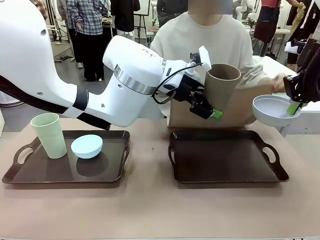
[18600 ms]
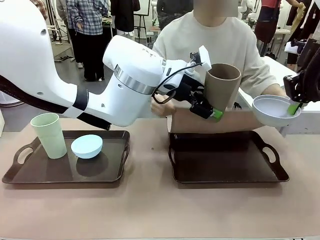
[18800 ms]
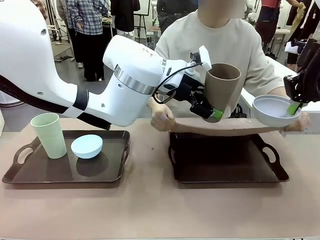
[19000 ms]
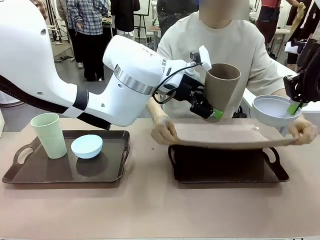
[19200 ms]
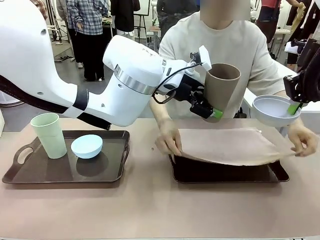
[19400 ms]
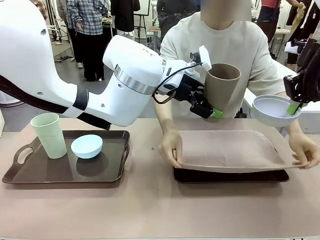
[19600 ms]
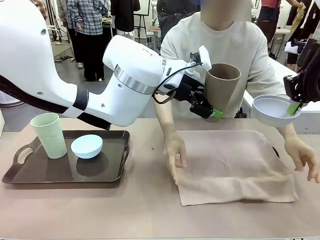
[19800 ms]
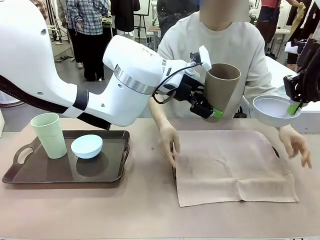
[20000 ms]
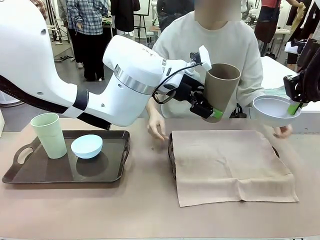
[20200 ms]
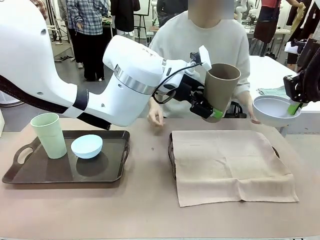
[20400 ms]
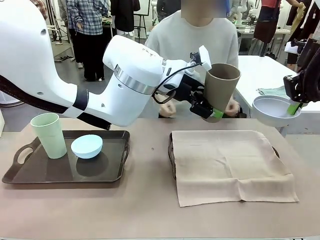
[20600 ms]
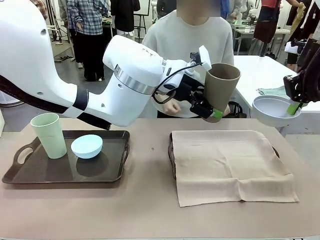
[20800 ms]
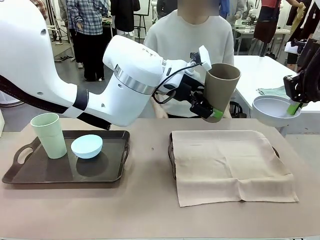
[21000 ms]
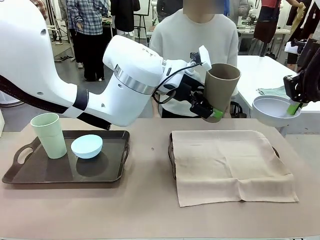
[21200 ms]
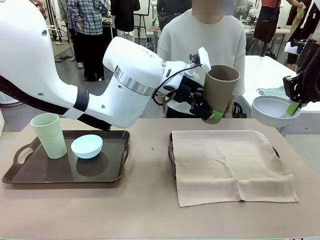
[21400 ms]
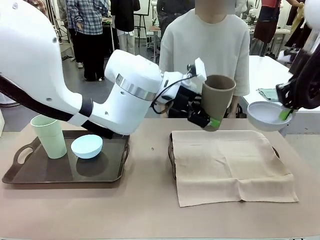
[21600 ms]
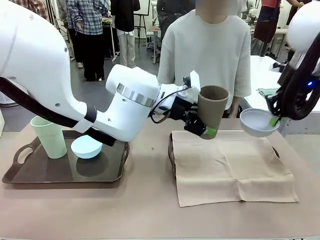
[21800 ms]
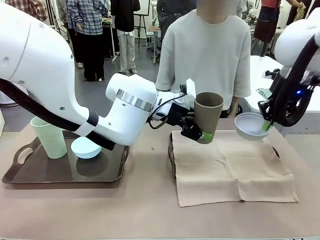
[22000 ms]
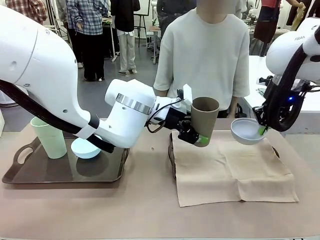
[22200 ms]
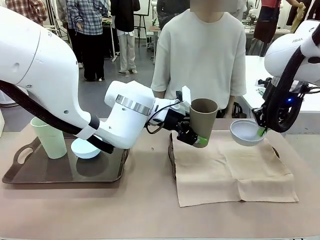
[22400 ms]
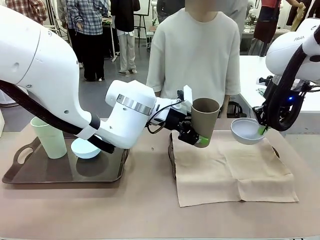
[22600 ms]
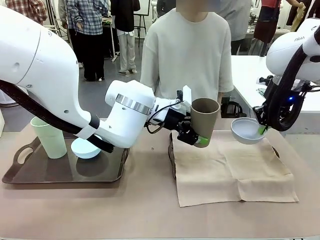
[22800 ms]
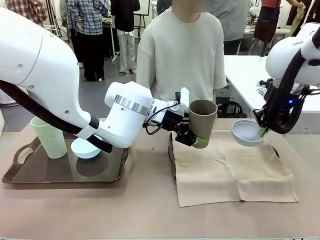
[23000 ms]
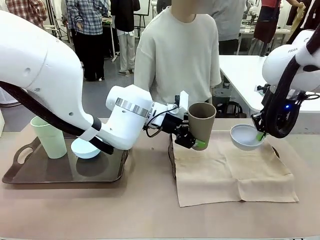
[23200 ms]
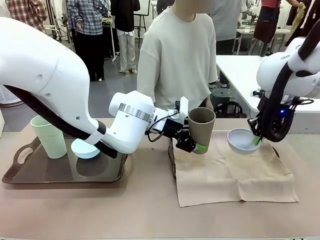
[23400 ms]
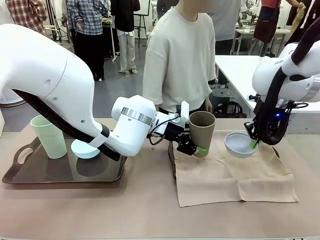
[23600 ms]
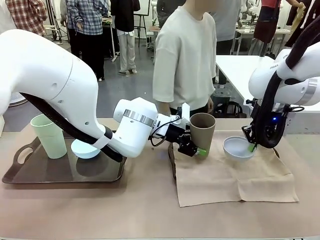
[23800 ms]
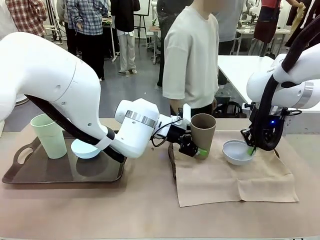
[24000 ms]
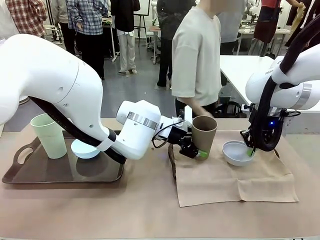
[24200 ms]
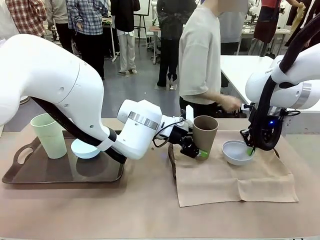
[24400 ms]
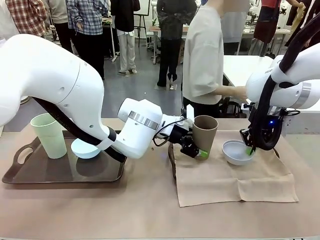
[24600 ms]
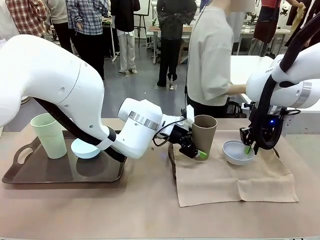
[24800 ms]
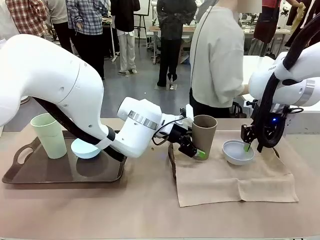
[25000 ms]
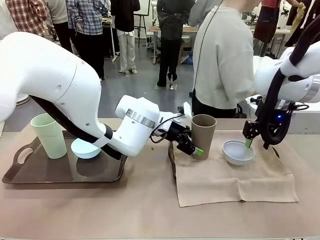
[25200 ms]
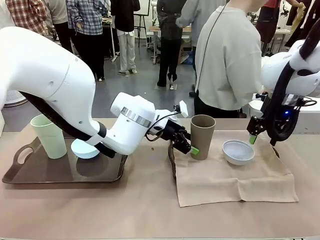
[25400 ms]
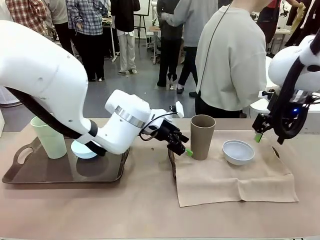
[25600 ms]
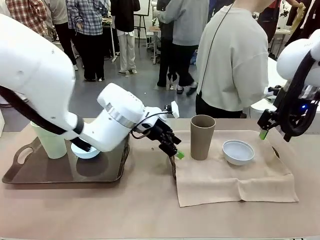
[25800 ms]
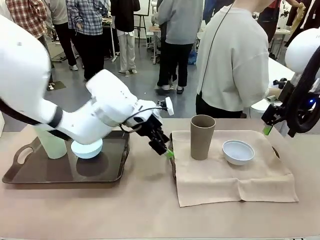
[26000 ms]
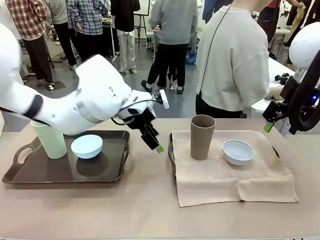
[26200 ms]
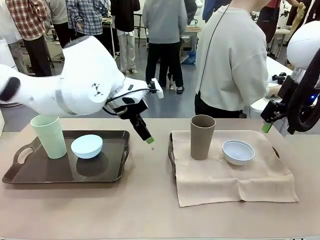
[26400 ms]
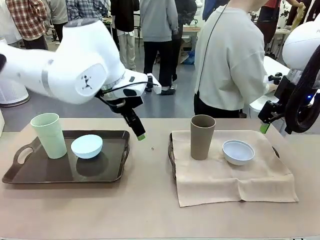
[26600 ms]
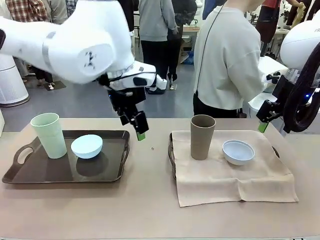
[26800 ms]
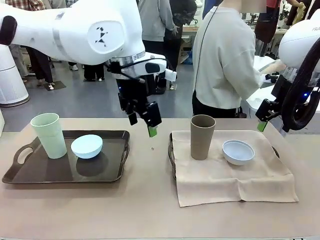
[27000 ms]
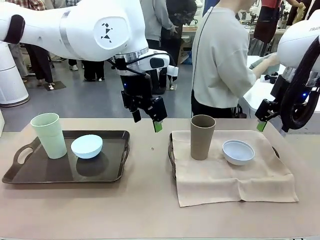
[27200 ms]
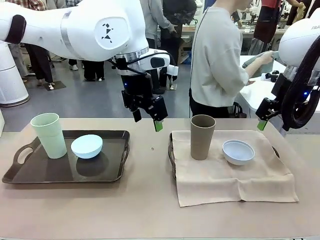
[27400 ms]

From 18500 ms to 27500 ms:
Robot: Place the Picnic Bowl and Reusable plastic cup back onto the Handle tray in front of the human's position.
Person: The human returns to the human table to pick up another napkin and walks to the robot table to stand in front of the tray without a napkin.

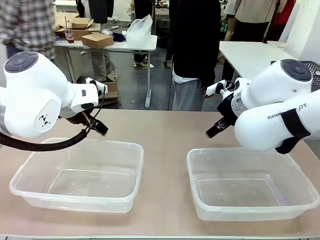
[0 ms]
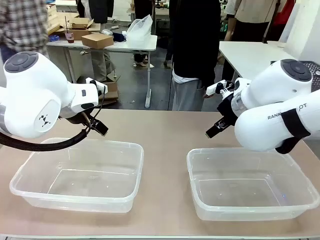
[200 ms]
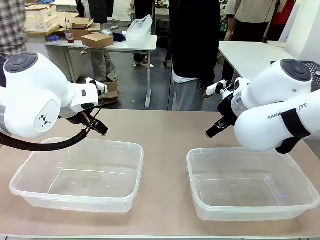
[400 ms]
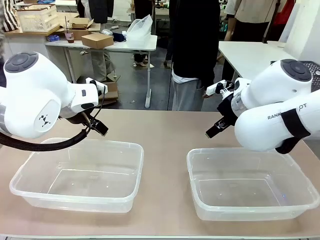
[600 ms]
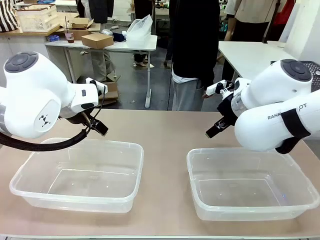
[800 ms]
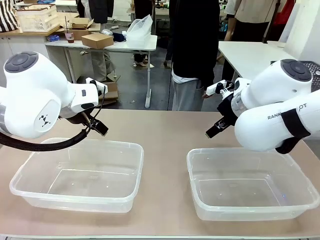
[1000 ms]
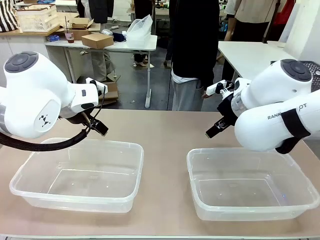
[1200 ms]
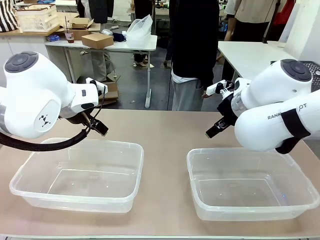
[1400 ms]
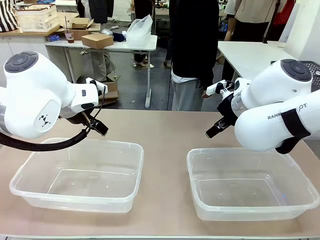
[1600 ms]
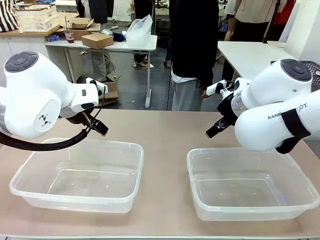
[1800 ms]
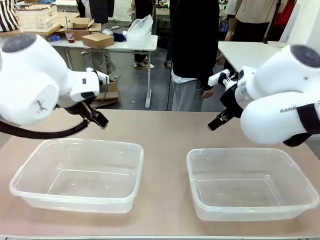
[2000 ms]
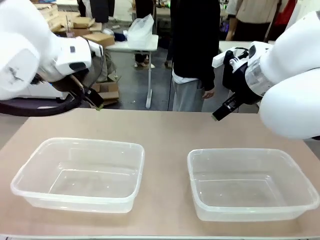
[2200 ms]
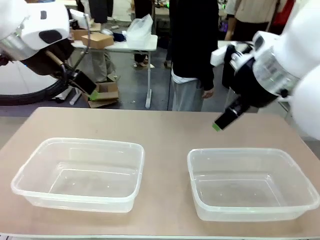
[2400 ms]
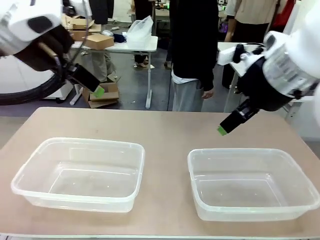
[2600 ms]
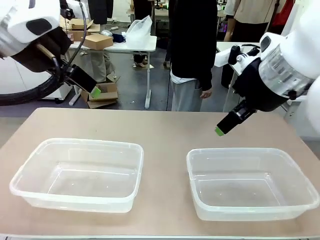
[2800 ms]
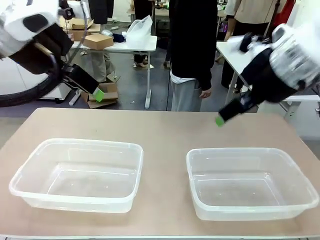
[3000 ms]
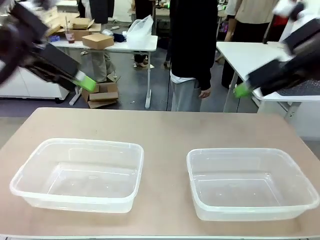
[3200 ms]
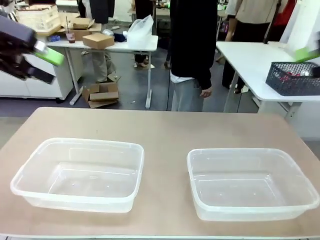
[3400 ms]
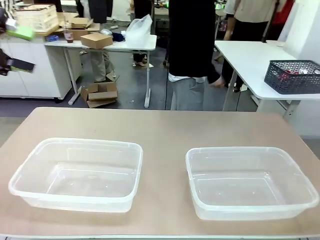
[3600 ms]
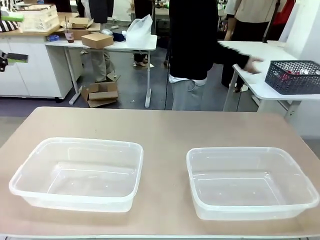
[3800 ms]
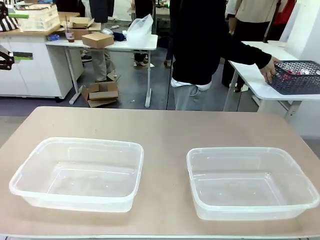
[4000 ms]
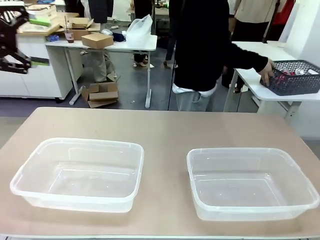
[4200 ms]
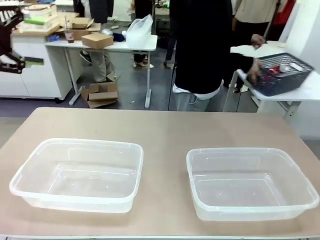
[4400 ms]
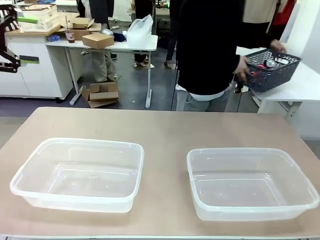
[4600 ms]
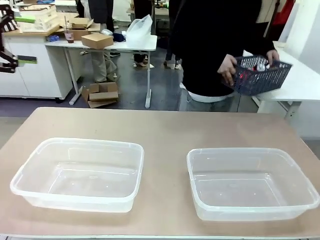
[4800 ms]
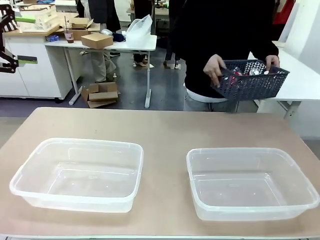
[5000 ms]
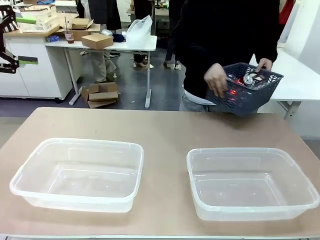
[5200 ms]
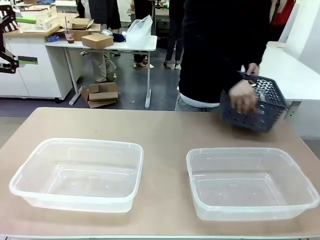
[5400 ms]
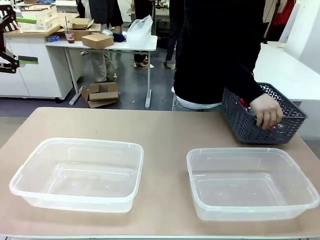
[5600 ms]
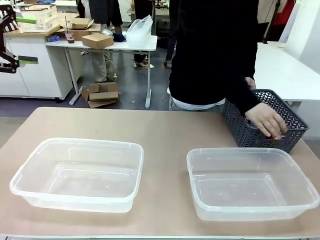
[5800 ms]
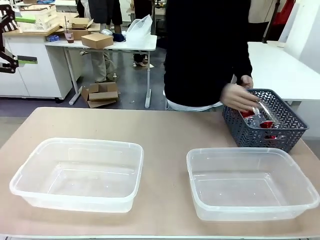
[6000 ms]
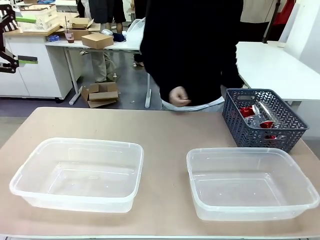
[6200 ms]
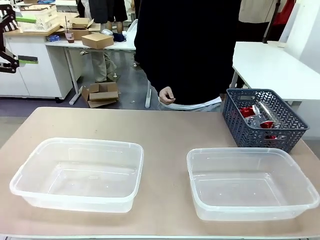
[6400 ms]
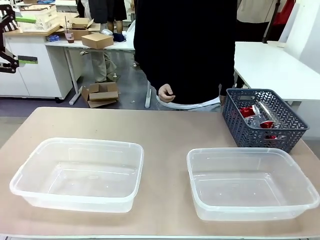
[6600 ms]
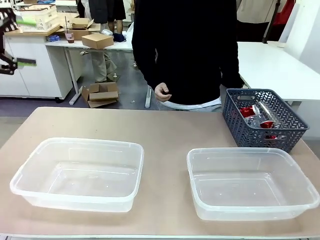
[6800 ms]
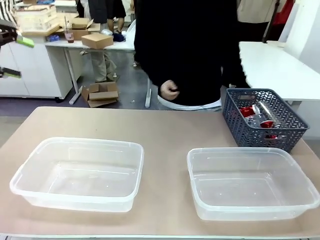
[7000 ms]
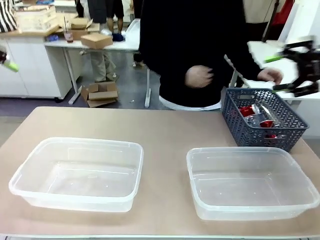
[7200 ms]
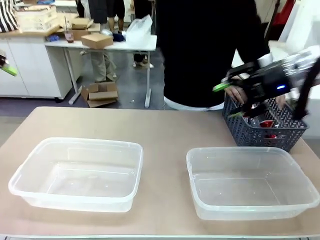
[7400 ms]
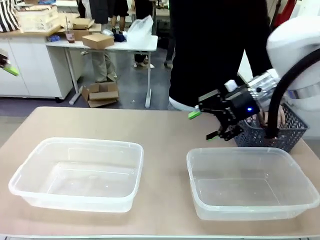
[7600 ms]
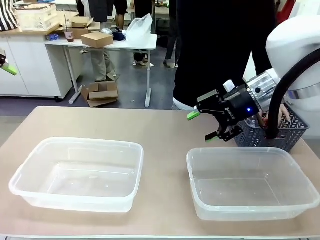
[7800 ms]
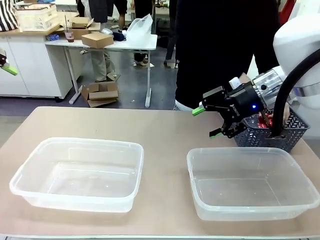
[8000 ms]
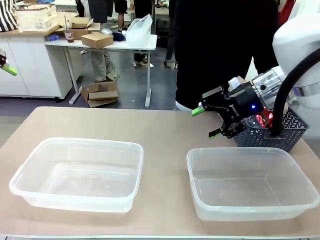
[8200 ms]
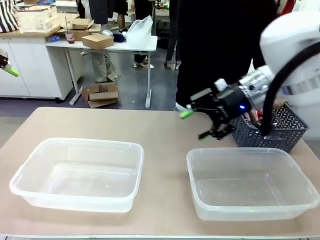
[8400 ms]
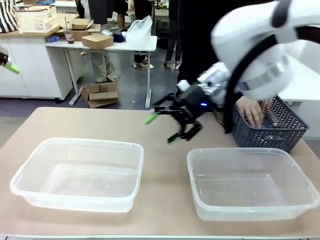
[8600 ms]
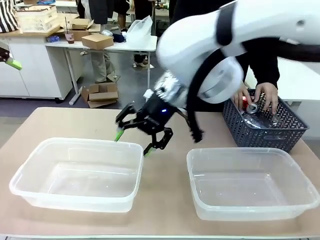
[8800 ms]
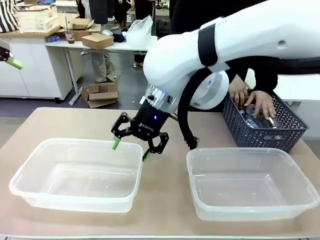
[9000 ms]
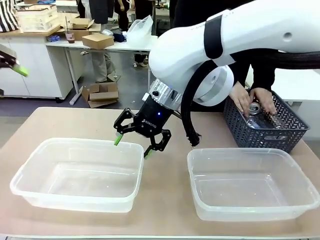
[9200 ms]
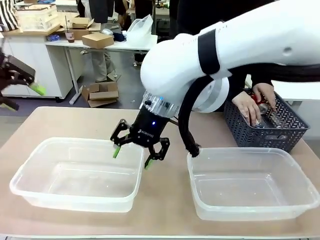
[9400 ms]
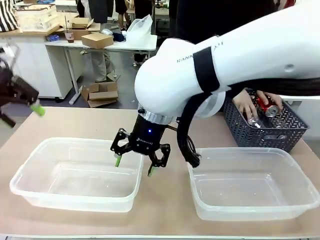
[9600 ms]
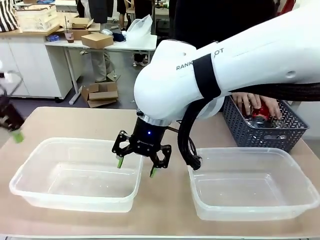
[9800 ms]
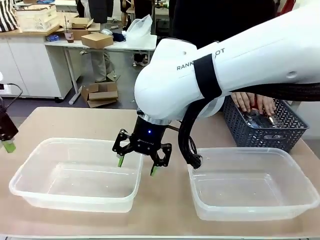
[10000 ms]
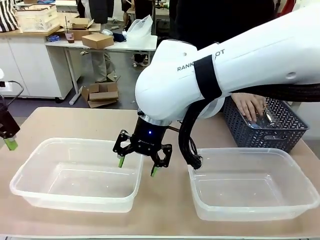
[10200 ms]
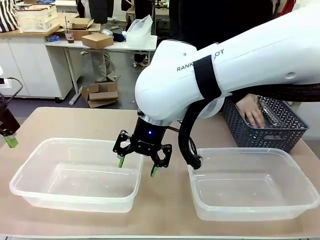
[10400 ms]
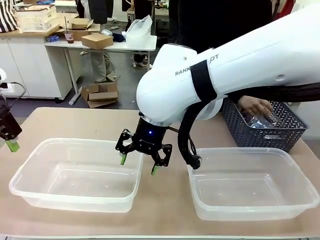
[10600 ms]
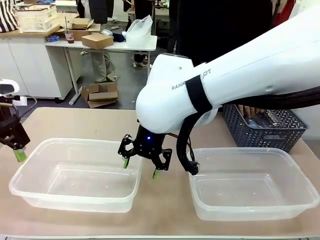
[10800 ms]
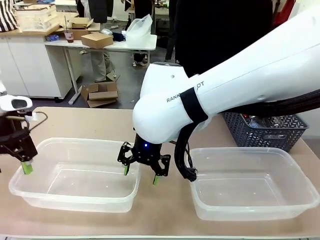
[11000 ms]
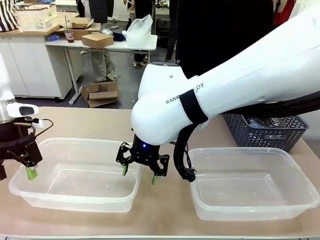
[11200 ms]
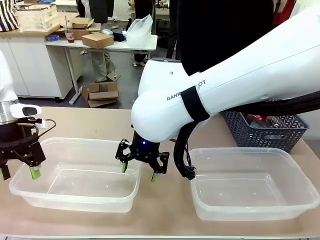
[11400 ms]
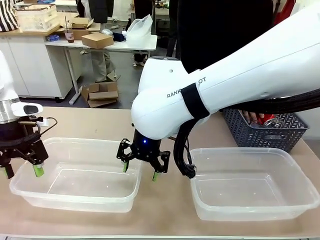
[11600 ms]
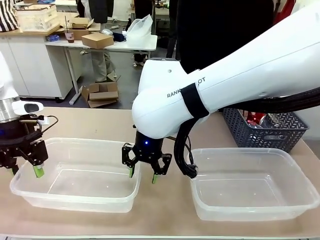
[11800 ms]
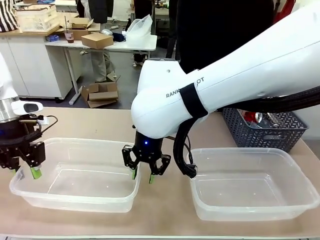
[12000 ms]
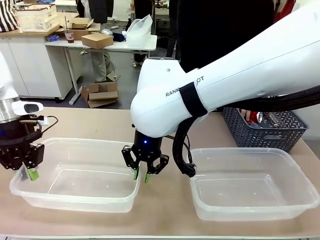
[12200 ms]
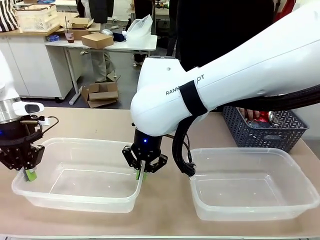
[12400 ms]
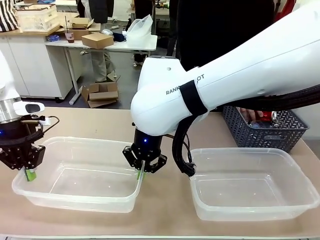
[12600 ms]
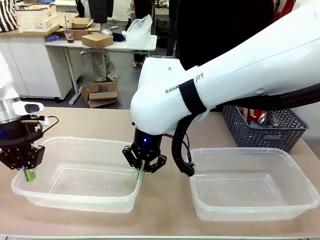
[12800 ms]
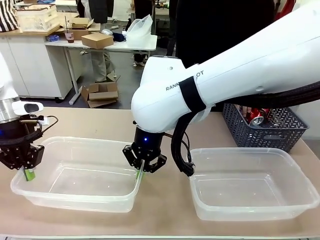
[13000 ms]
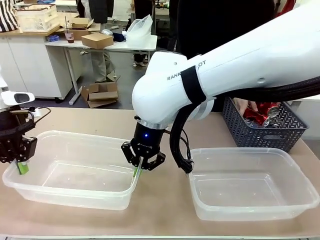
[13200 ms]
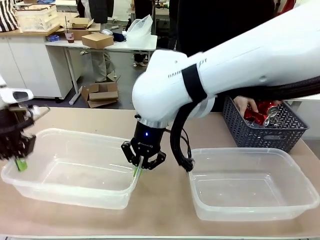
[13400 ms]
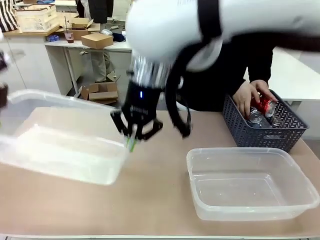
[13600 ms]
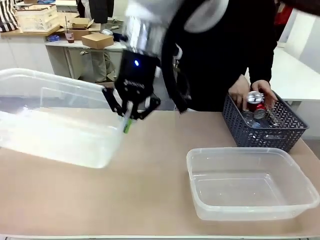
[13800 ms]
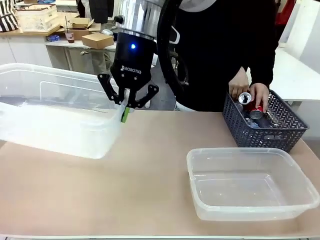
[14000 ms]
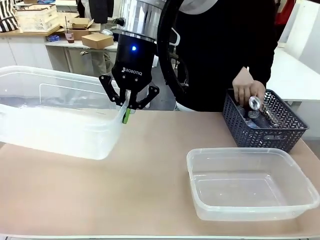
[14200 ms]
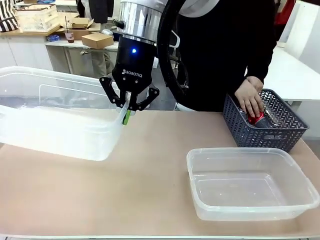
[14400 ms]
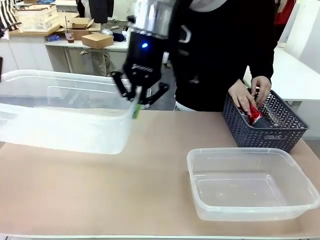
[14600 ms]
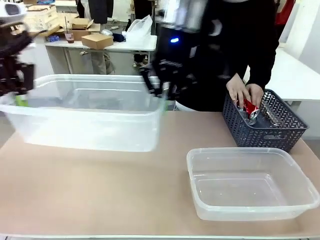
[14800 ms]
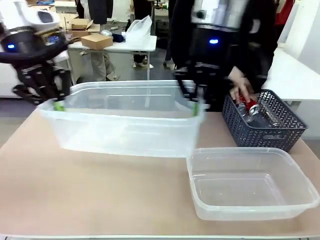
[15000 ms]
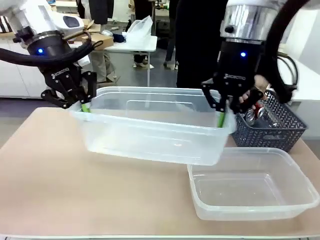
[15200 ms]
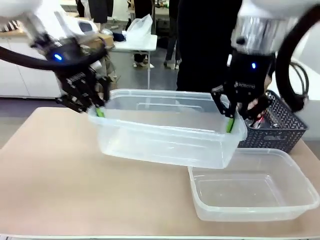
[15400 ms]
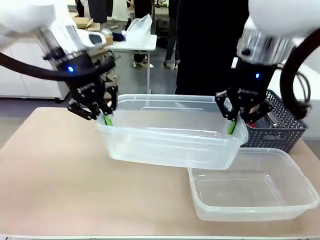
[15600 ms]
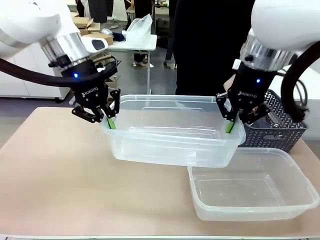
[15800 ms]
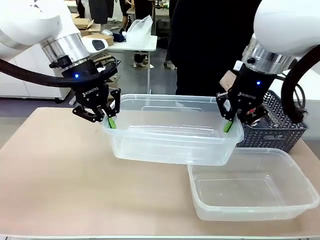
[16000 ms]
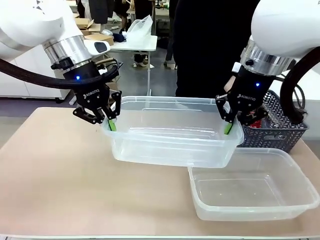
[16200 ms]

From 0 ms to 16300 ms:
Robot: Pick up the Organizing box on the left side of the table and lift it.
Person: Pick up the storage basket and place it on the left side of the robot table. Pick up can-shaped waste one by one and place it into the organizing box lifted by the robot.
